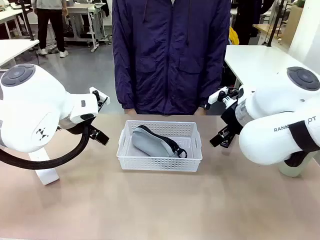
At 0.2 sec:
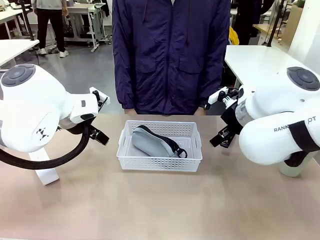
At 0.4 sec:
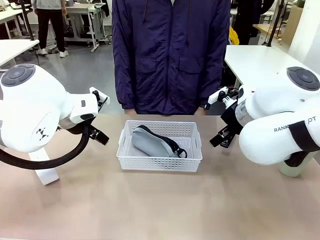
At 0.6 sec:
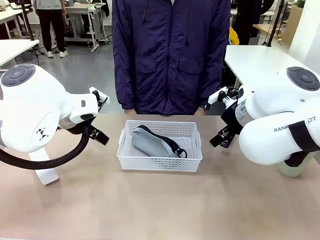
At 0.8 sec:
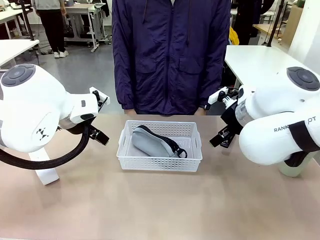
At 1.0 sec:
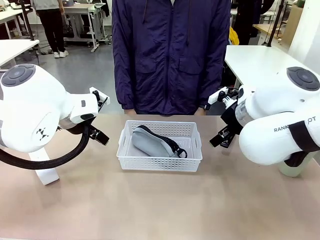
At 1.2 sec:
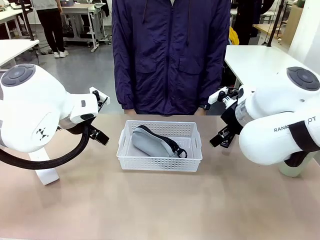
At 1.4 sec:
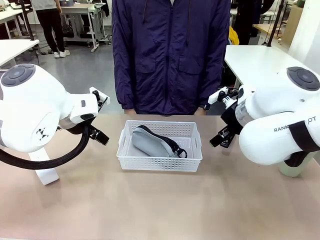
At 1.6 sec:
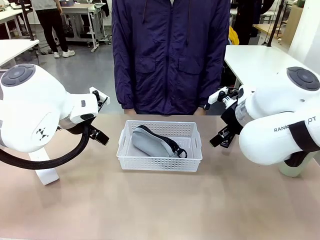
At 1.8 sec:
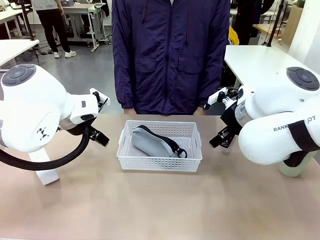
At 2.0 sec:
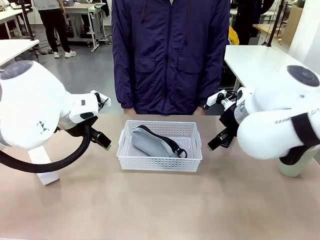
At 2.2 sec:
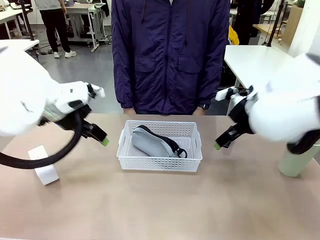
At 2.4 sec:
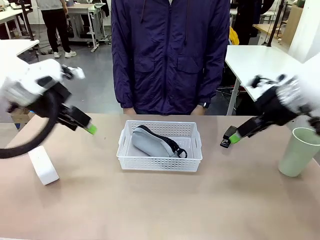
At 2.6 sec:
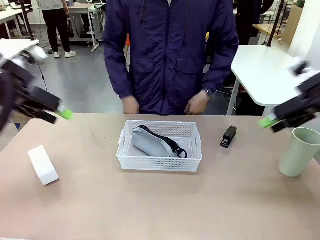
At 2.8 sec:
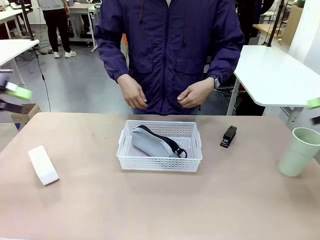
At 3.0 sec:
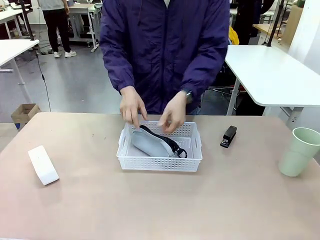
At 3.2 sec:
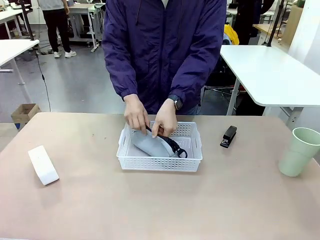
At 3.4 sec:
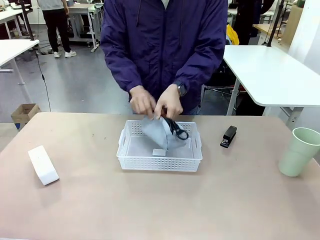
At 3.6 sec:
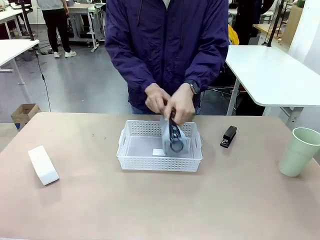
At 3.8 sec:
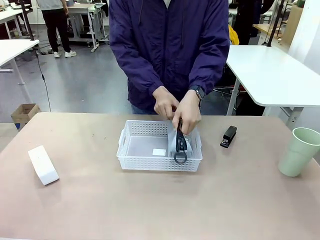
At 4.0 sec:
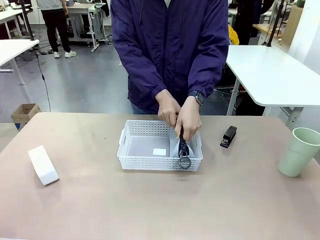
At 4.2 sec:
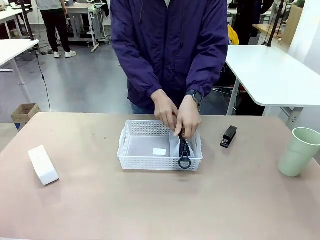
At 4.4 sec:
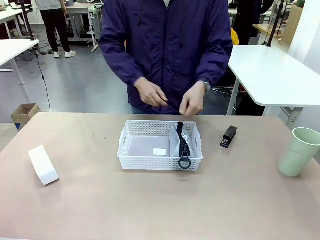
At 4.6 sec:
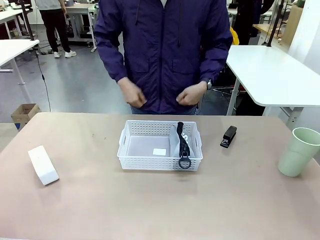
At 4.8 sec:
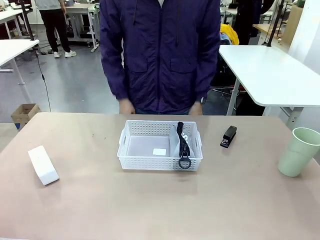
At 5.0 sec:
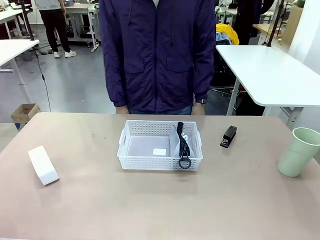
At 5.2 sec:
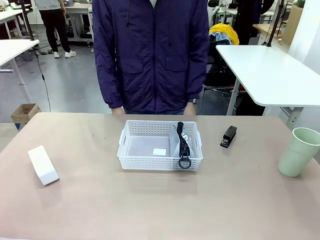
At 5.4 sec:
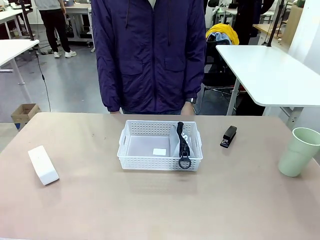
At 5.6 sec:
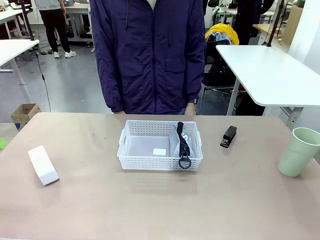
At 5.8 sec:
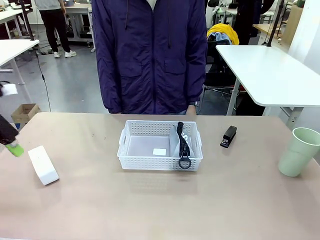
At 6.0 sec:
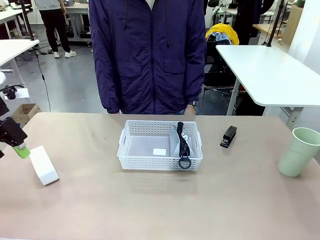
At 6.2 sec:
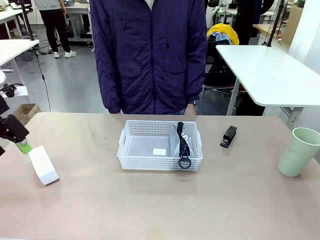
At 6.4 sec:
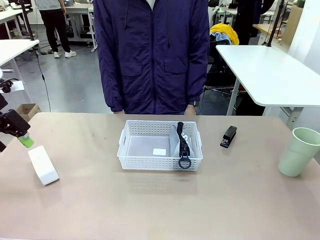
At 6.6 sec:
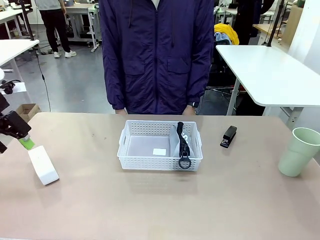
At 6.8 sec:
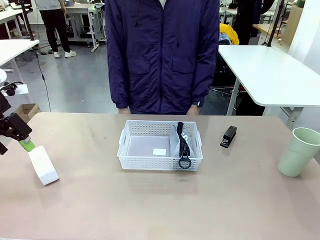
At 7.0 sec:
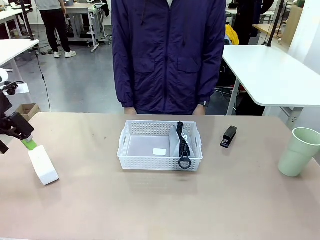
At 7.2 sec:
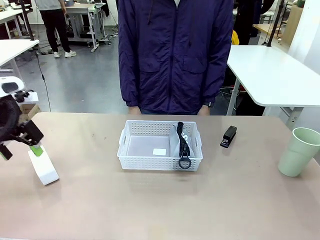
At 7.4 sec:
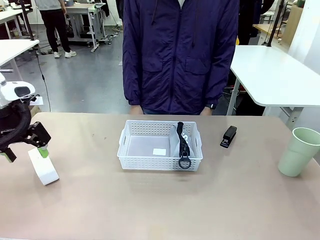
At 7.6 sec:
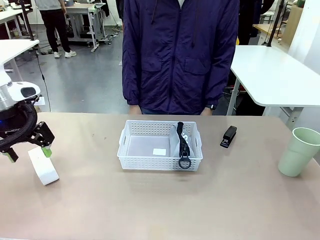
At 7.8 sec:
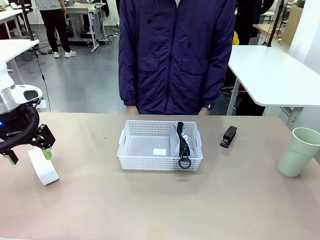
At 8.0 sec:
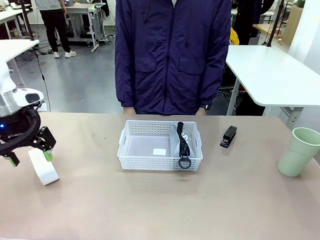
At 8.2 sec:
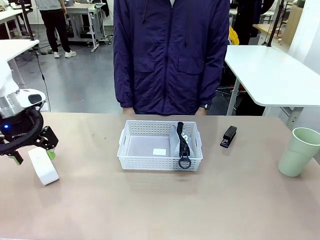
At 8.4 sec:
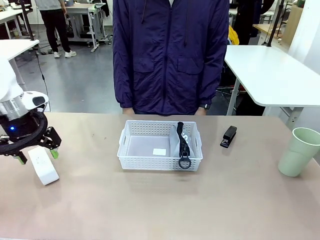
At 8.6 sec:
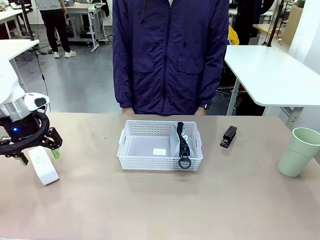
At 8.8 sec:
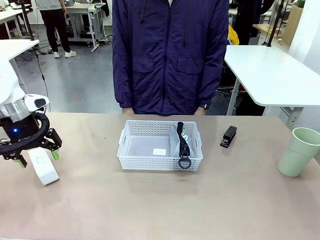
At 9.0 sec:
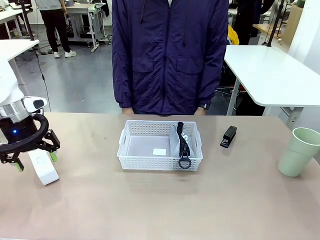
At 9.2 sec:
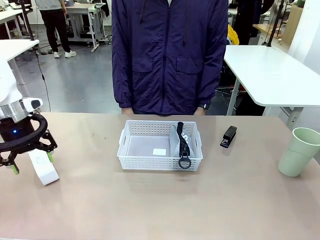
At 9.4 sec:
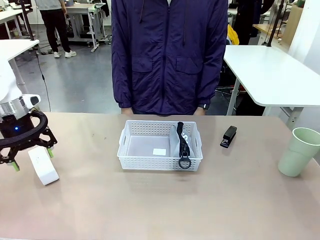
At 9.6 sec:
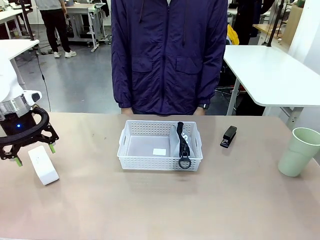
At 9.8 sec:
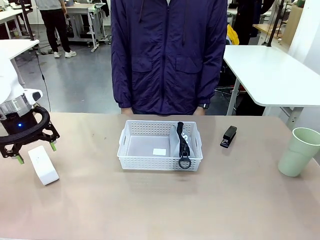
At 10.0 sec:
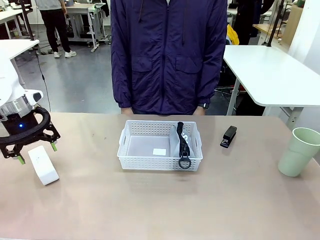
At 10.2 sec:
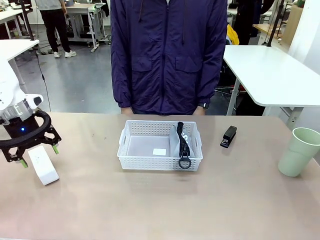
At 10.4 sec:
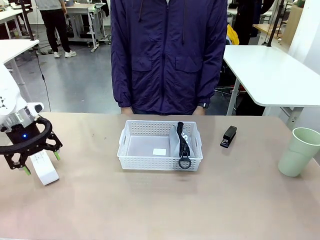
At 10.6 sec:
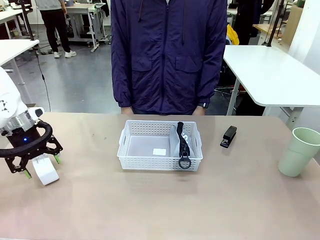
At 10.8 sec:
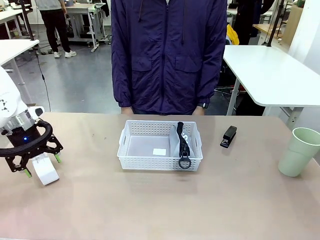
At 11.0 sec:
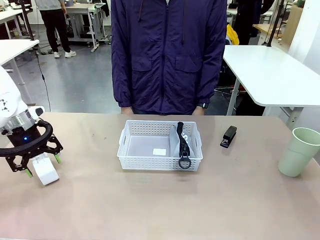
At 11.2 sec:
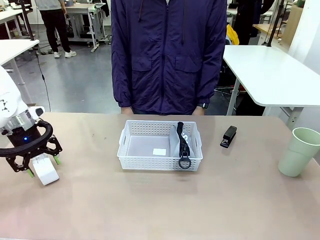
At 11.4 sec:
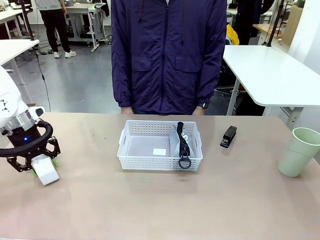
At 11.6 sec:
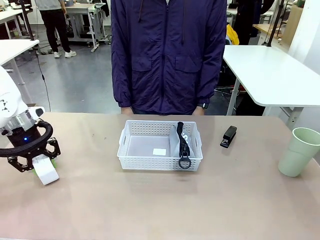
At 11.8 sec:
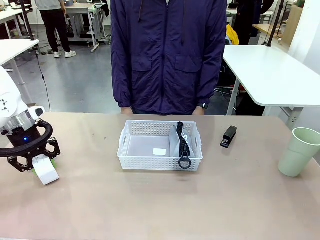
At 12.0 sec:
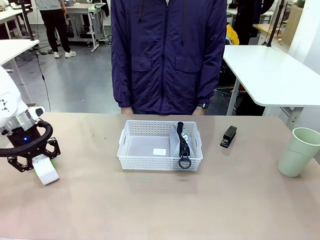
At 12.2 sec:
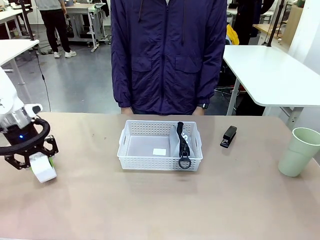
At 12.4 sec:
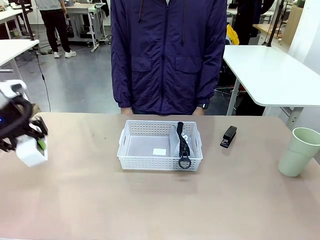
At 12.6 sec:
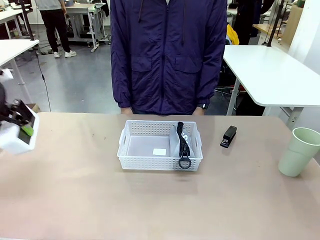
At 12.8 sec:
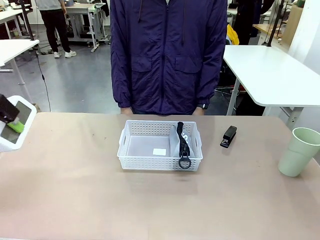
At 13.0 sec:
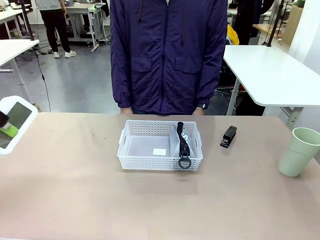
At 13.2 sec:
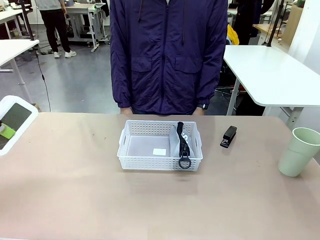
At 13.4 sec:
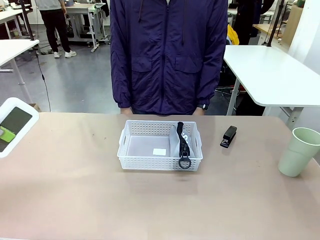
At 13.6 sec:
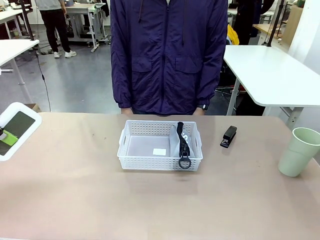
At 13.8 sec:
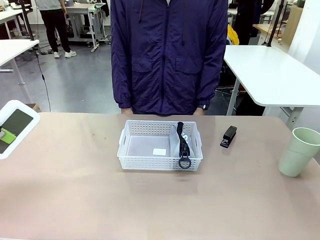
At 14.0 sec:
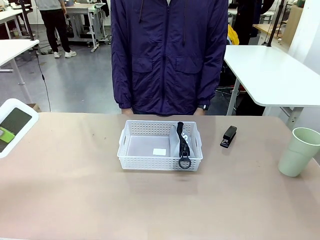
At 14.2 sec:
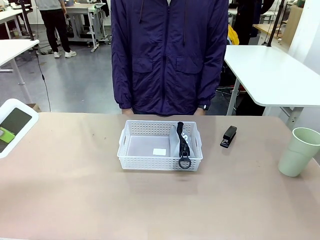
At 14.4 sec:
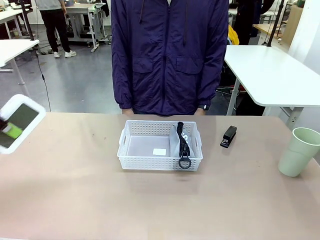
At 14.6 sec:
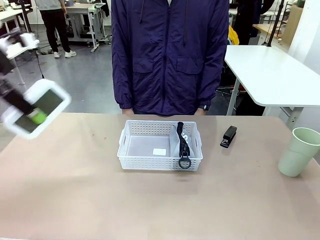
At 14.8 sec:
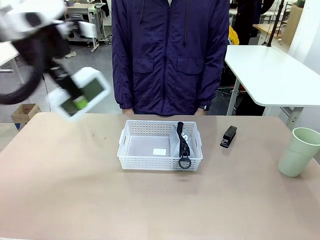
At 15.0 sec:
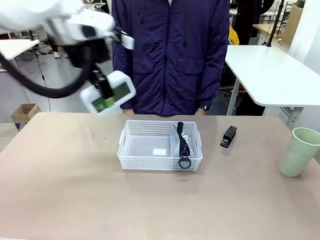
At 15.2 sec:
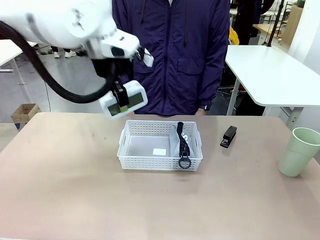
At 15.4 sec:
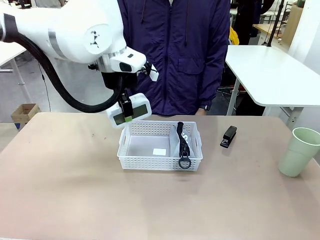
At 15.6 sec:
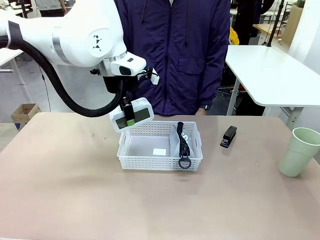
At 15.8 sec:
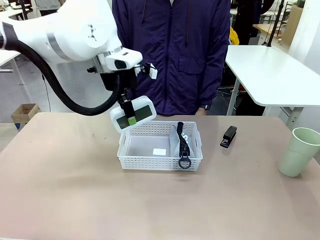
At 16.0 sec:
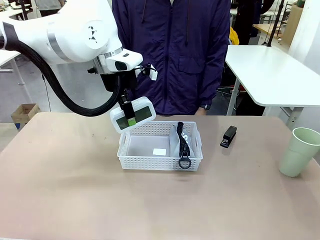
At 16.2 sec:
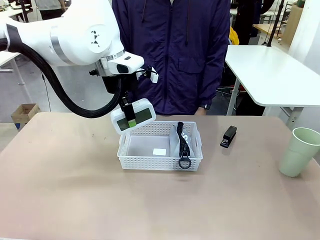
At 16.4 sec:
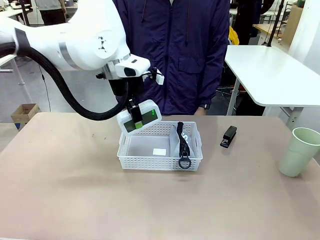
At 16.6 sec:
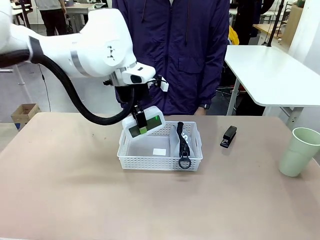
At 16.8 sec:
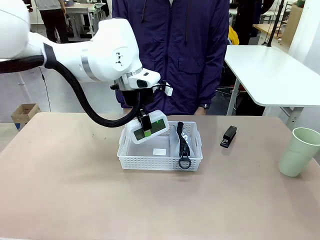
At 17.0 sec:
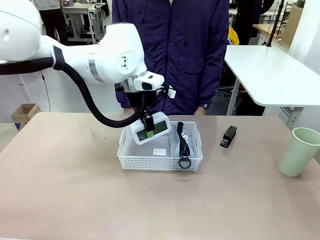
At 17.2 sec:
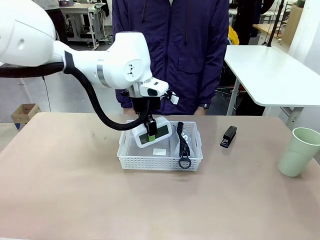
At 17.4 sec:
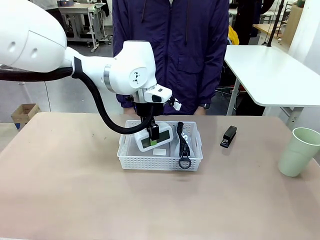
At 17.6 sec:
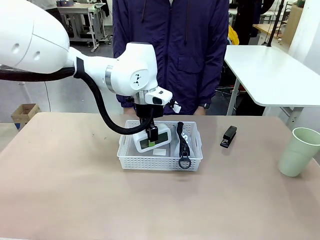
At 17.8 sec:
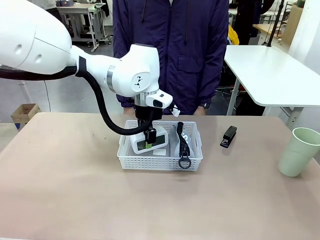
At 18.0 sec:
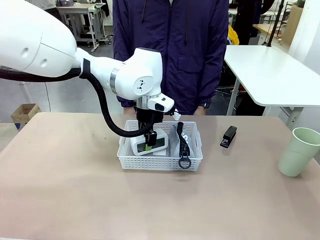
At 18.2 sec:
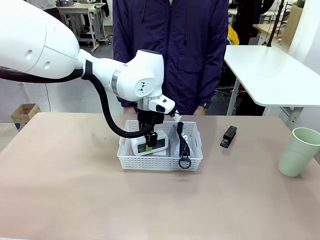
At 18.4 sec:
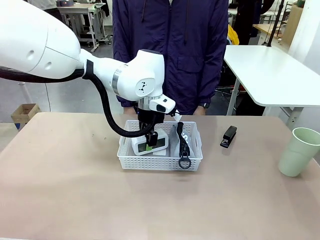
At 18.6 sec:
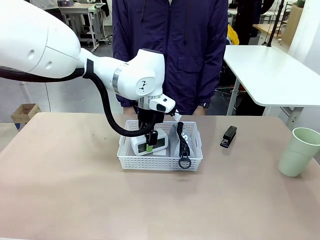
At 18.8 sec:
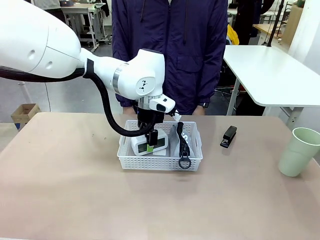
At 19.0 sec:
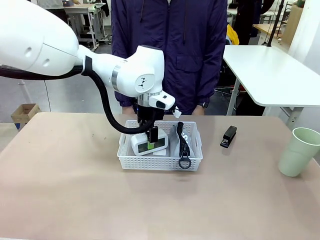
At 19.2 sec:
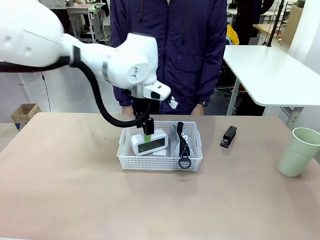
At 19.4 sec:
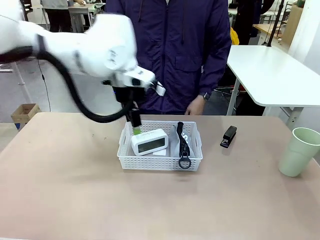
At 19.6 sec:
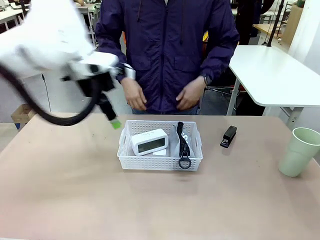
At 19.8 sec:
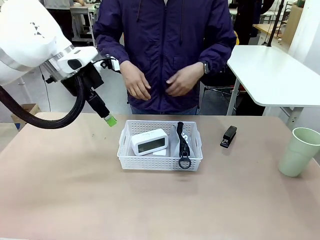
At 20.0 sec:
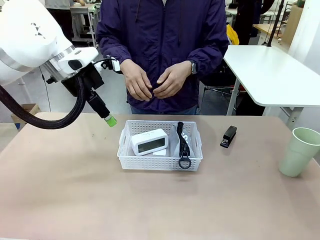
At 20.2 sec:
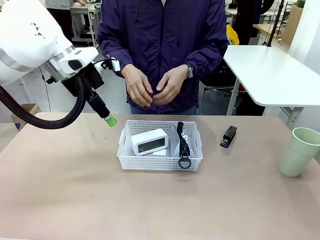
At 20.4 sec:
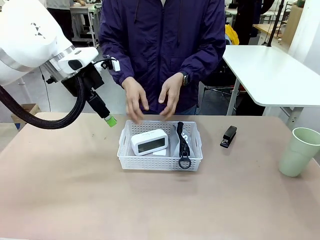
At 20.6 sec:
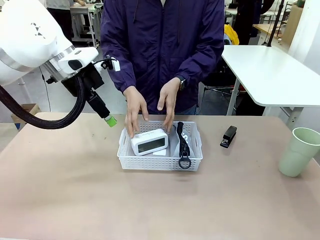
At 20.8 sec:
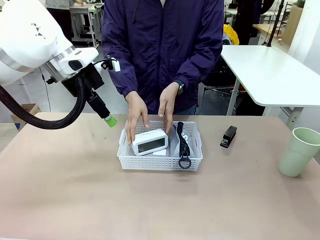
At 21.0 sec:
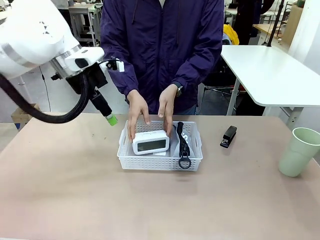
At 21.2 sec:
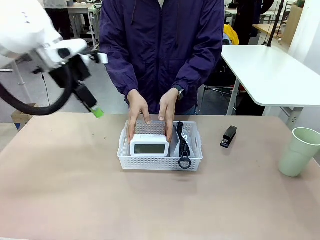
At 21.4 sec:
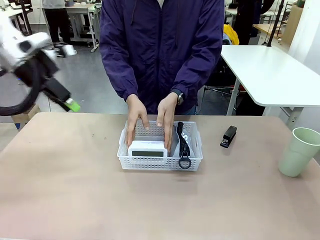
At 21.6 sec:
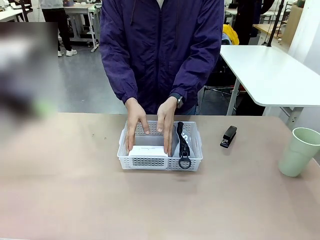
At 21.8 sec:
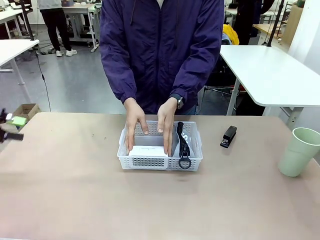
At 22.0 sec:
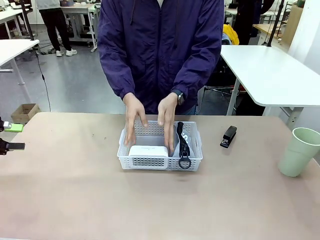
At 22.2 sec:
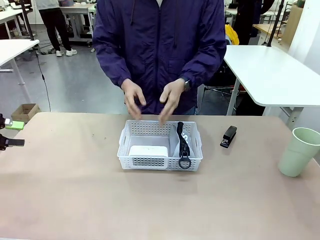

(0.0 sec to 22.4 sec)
Task: Efficiently arrange items inside the basket to fit them all.
Robot: Pick up the Digital clock and place it inside the Organizing basket.
Person: Repositions the pencil case. Repositions the digital clock.
